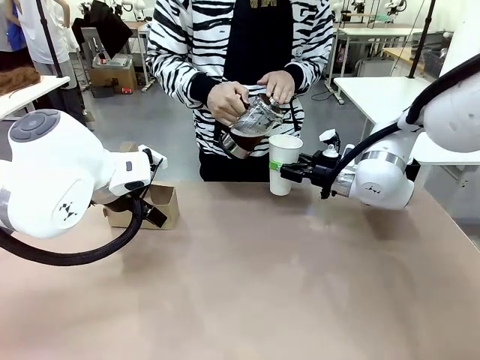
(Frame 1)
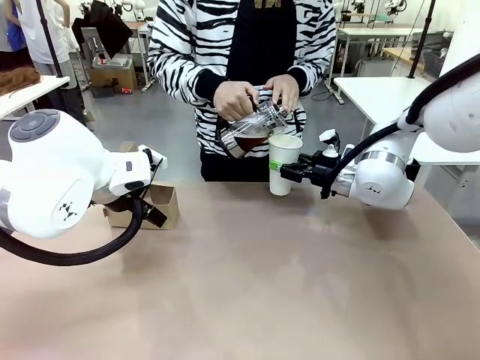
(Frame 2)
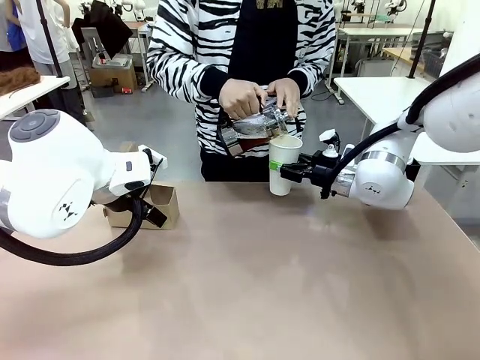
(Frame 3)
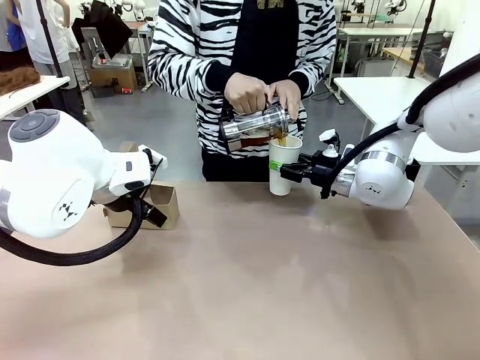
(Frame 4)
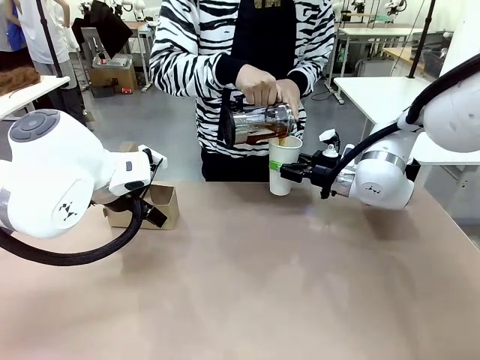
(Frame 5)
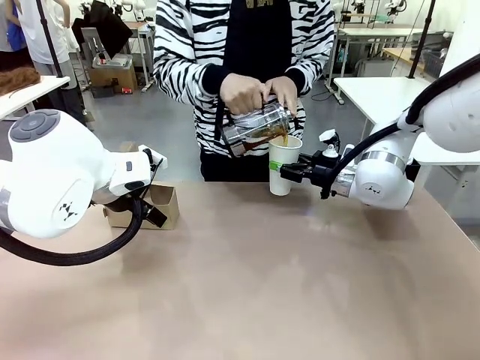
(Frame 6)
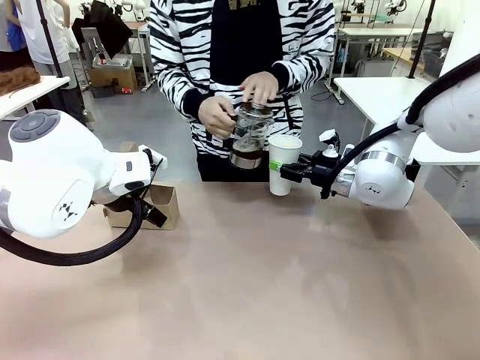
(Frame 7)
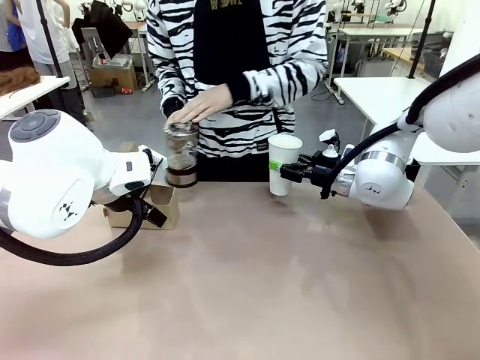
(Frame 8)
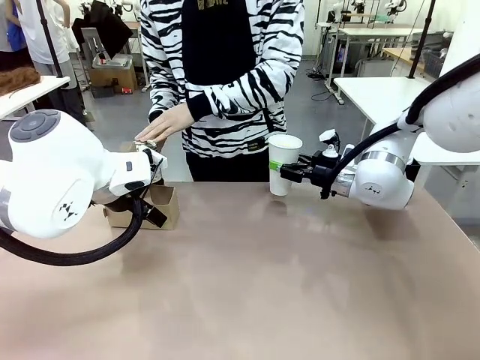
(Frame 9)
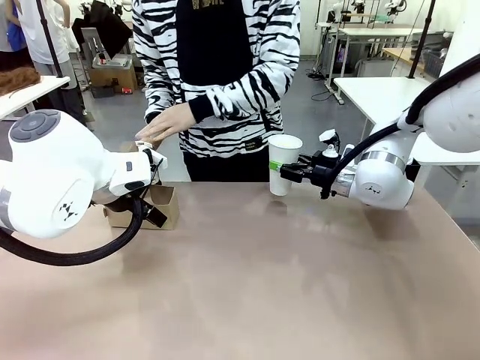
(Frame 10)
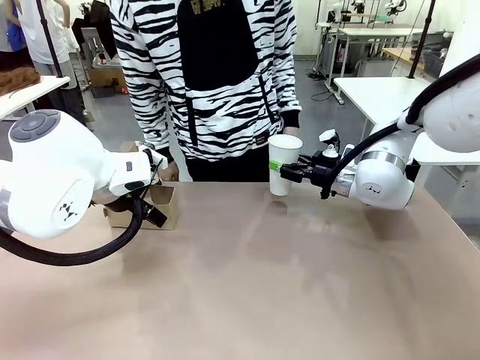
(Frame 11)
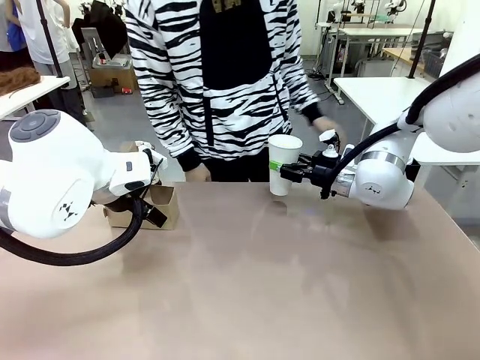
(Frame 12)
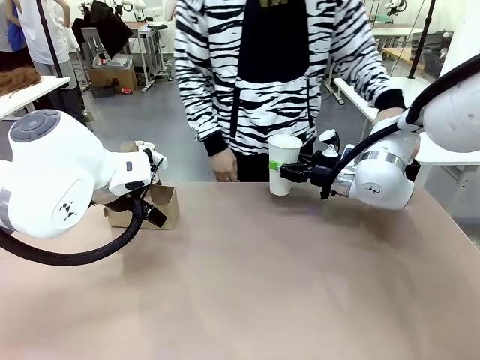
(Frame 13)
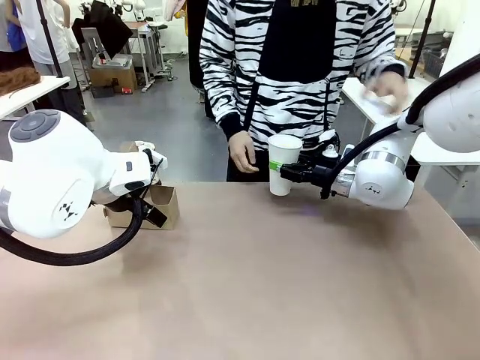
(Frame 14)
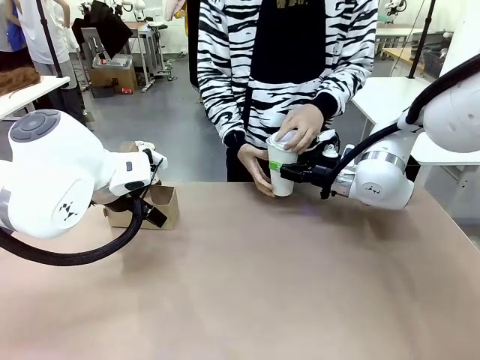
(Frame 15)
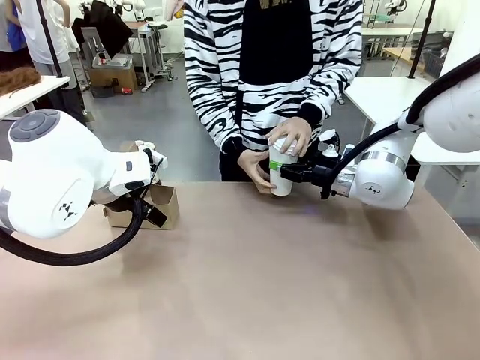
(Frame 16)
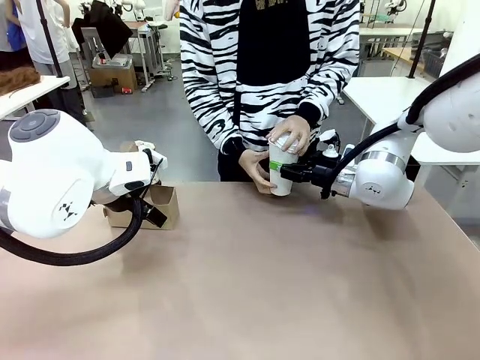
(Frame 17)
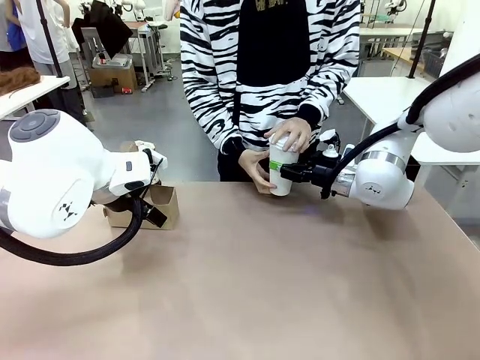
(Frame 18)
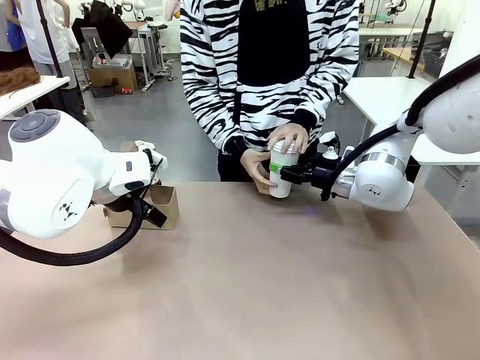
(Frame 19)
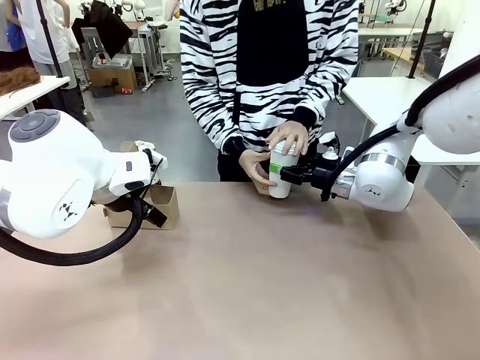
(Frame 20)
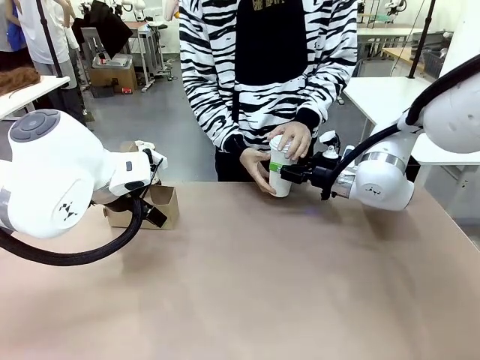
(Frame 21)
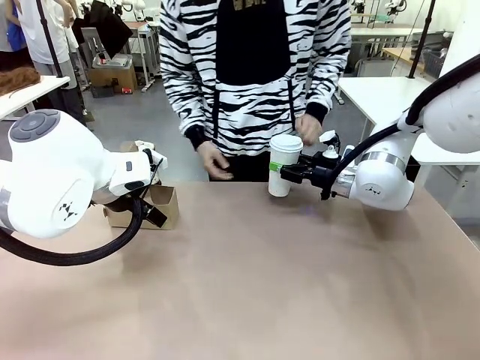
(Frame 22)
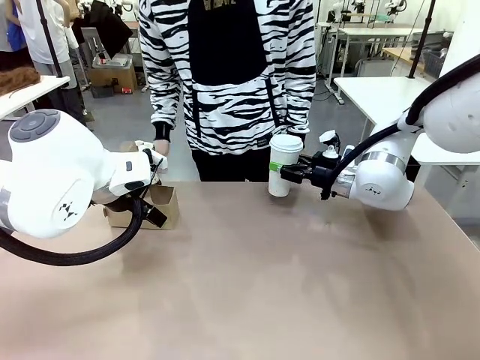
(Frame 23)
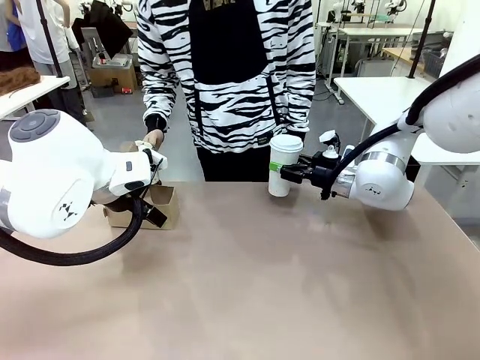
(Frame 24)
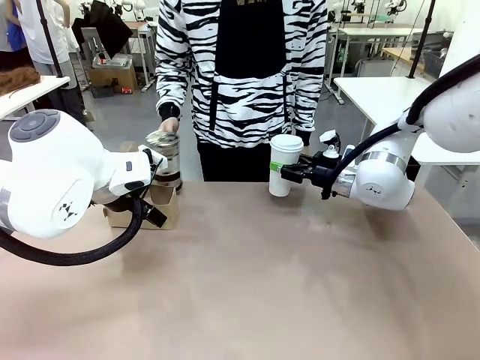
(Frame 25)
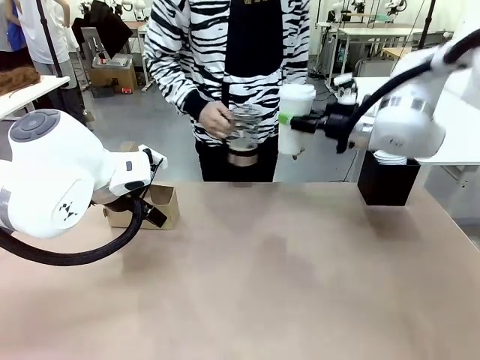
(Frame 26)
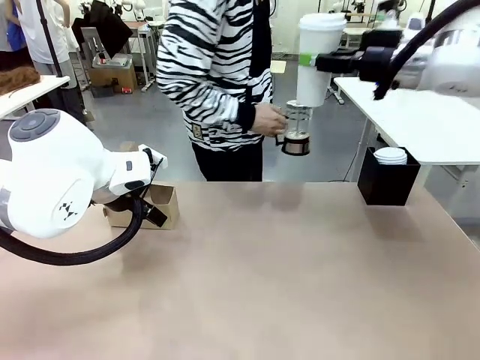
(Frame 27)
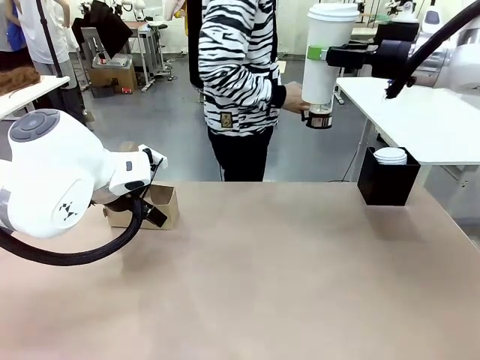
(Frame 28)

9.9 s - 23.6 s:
Task: Pour a drink into a cup and package it in a carrier.
Robot: When a person places the Paper Cup Lid on the 600 ml Paper Cup , lift the 600 ml Paper Cup.
Person: Pour the drink from the Filter Brewing into the 600 ml Paper Cup. Place a Paper Cup Lid on the 600 ml Paper Cup.

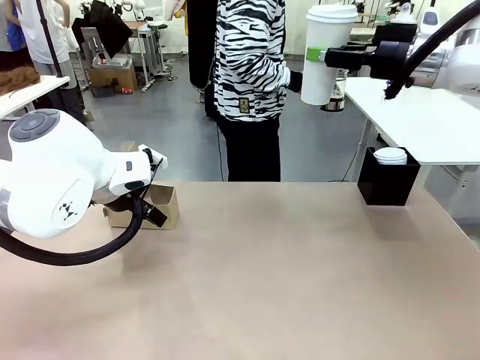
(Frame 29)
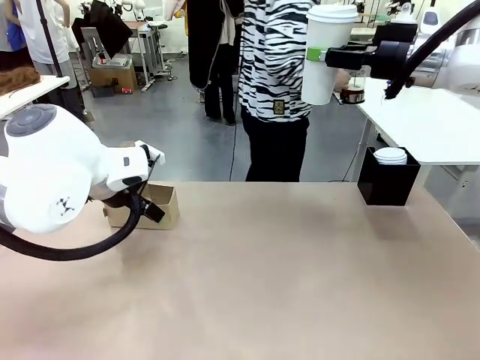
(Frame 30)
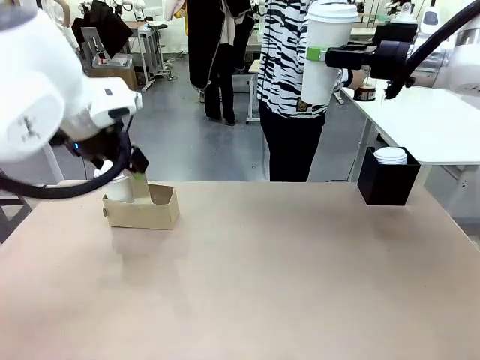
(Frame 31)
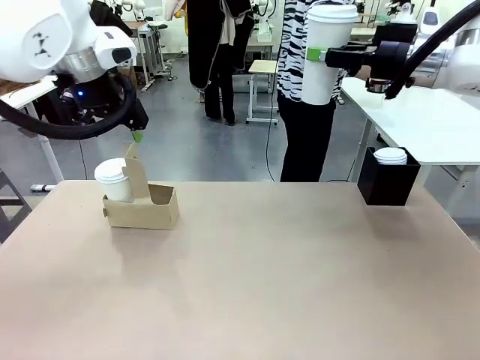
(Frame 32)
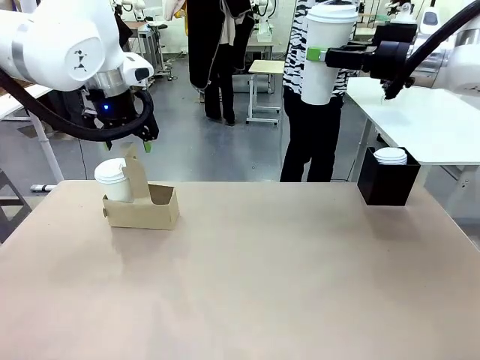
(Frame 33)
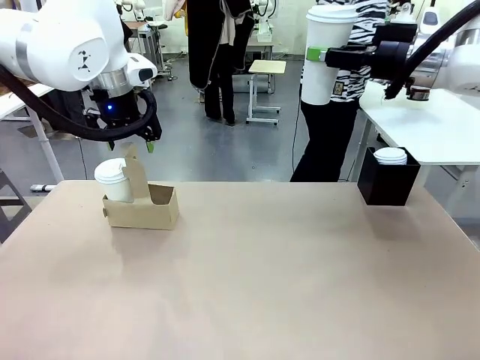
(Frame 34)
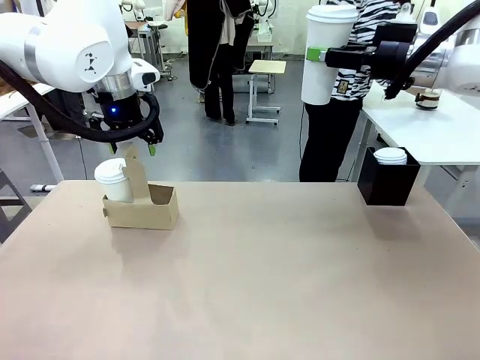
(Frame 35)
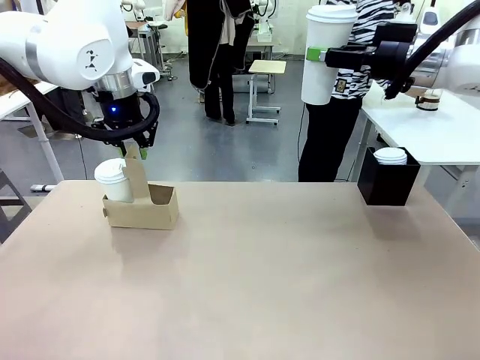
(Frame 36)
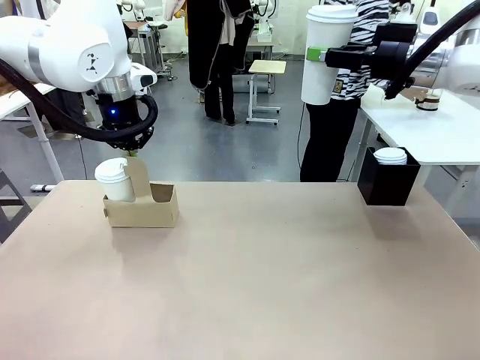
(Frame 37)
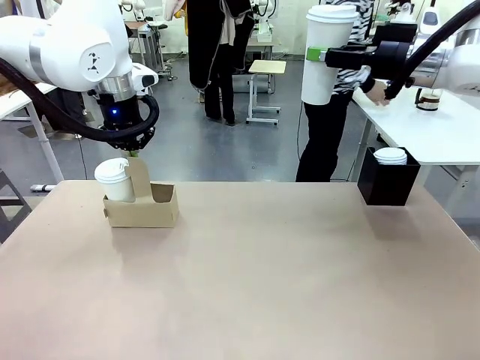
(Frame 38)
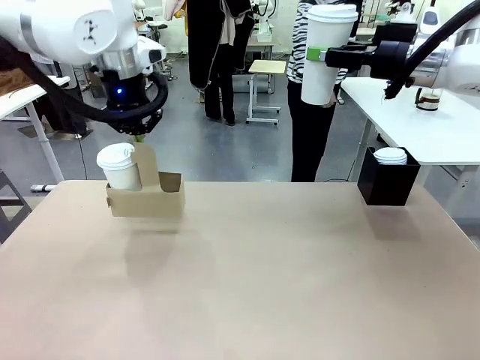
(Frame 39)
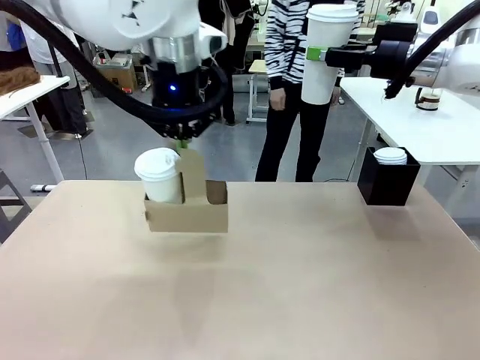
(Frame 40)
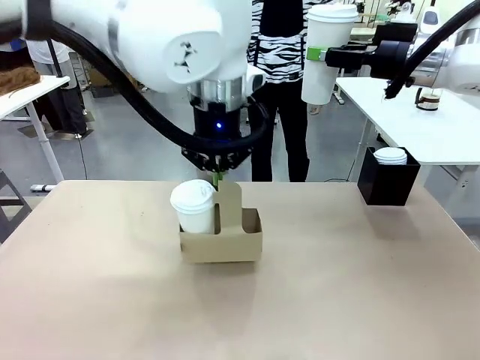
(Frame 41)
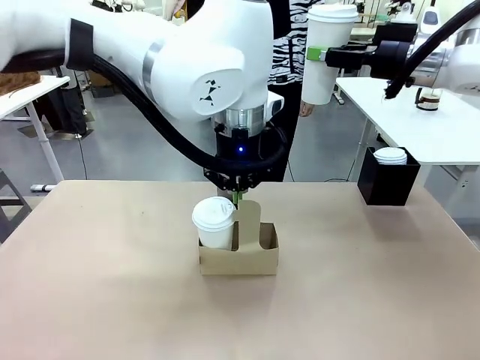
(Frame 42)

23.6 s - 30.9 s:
Robot: Position the Cup Carrier in the center of the table.
Person: Pick up the Filter Brewing and place on the middle of Human table, and return to the Robot table.

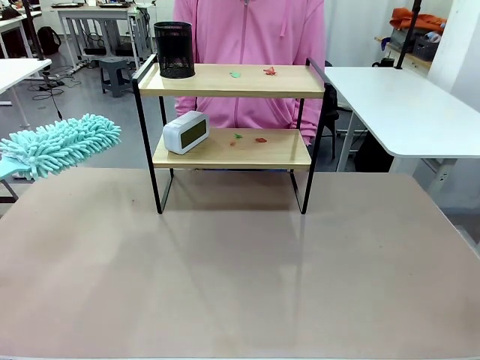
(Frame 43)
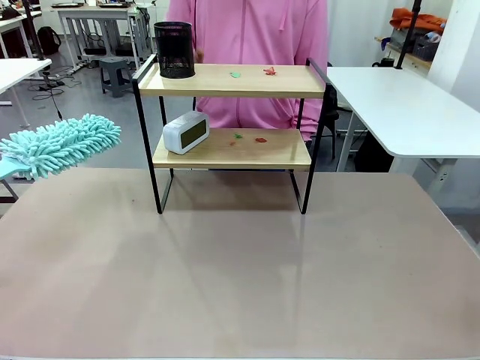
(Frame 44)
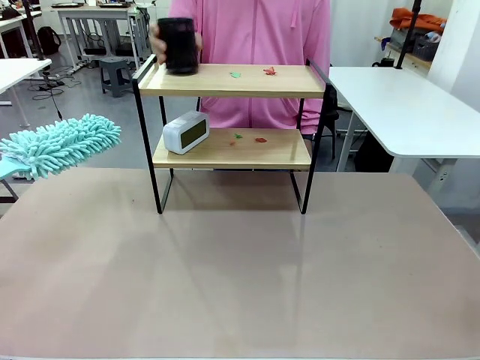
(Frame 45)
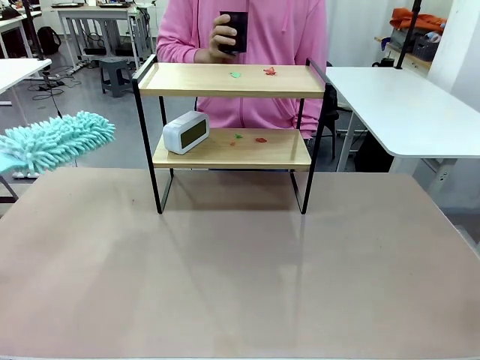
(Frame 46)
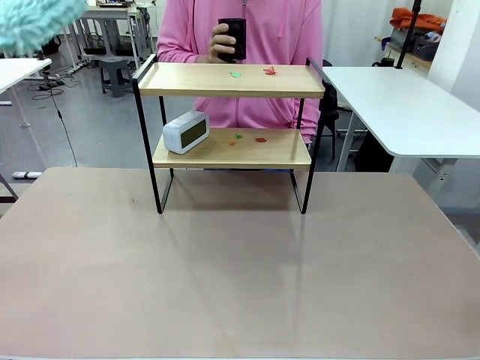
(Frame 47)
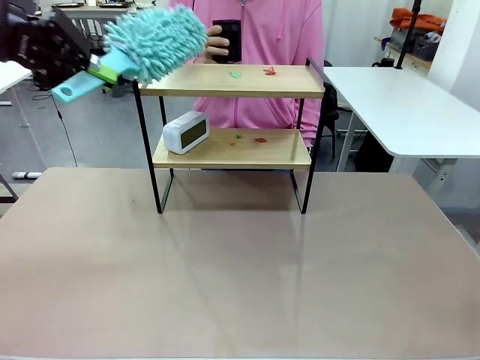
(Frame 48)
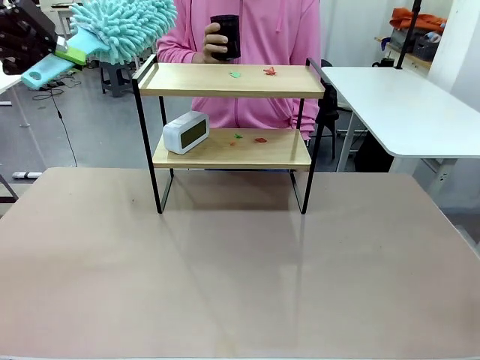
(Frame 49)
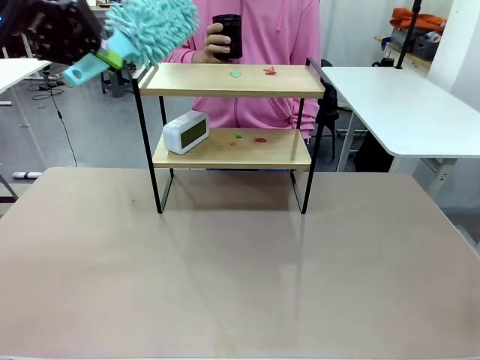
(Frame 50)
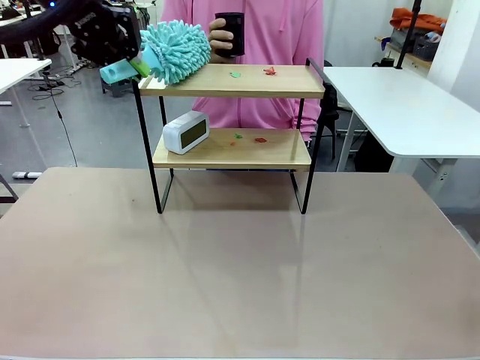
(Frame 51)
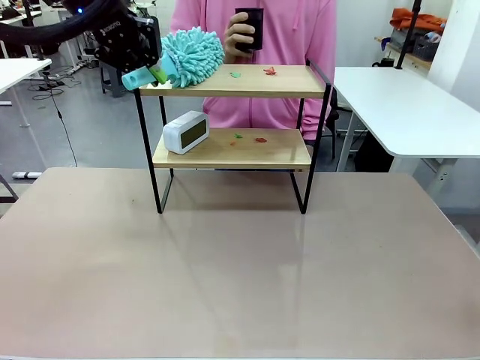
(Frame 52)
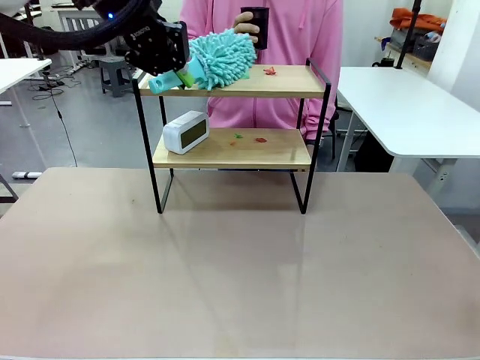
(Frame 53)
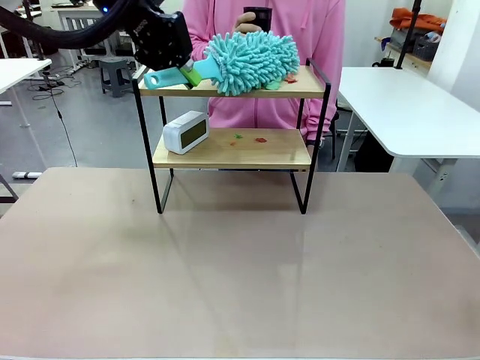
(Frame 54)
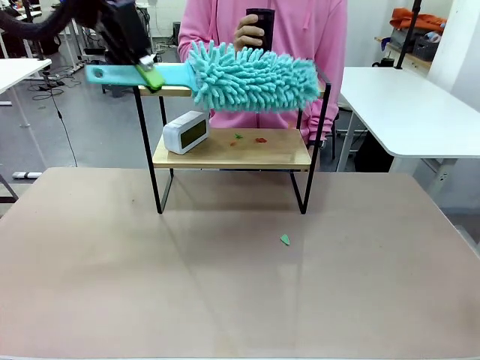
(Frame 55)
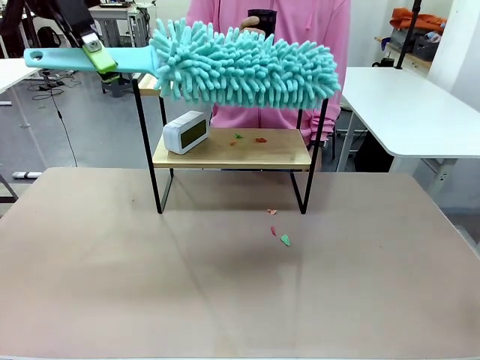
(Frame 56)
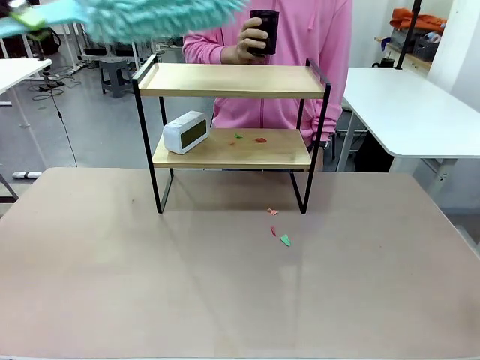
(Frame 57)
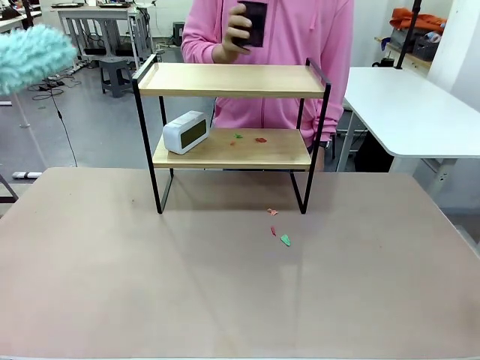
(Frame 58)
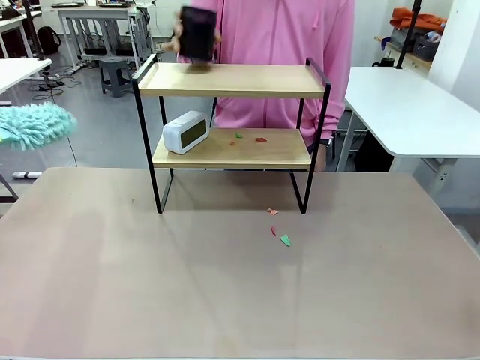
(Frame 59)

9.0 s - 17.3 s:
Task: Clean the shelf.
Robot: Clean the specific tier of the Shelf with the Duster once objects are removed.
Person: Lift the objects on a randomly selected tier of the Shelf. Once the robot finishes cleaning, lift the objects on the remaining tiers of the Shelf.
